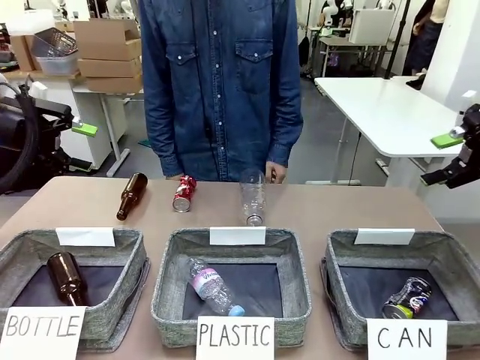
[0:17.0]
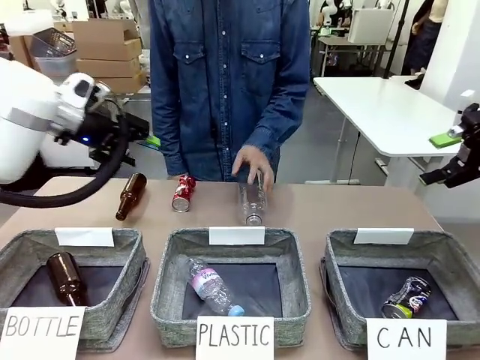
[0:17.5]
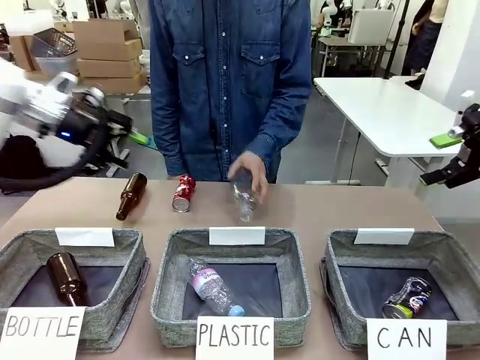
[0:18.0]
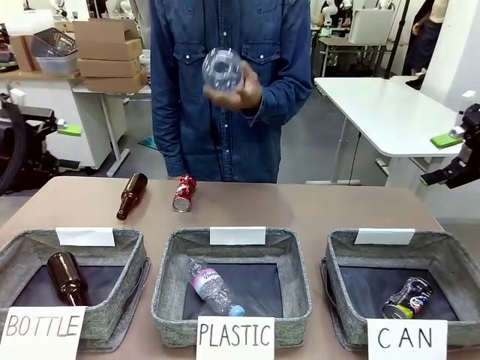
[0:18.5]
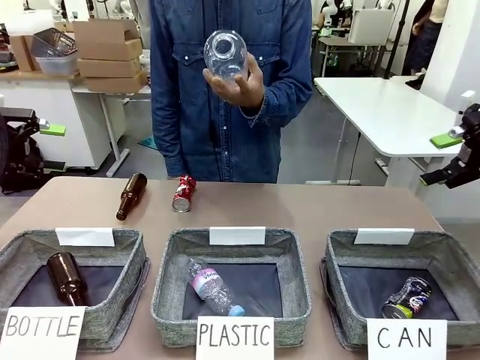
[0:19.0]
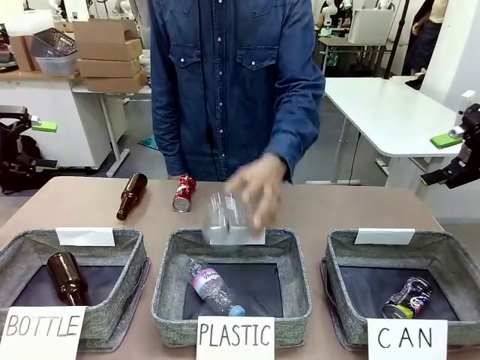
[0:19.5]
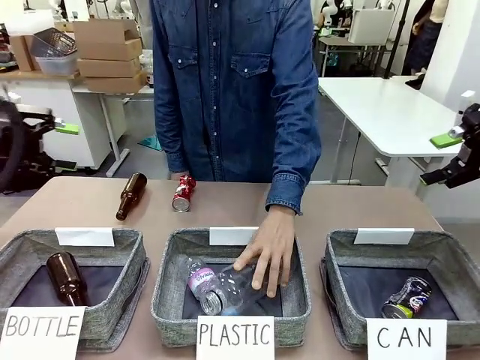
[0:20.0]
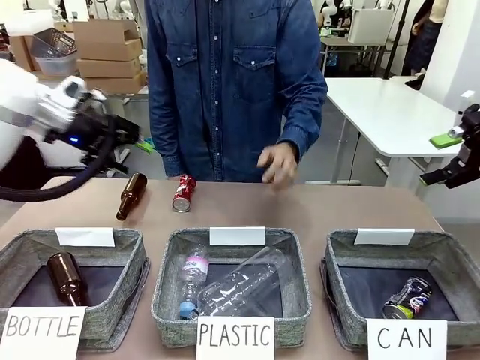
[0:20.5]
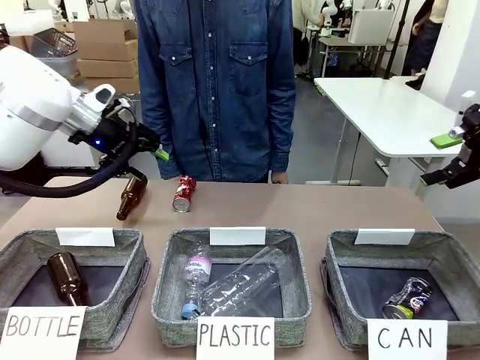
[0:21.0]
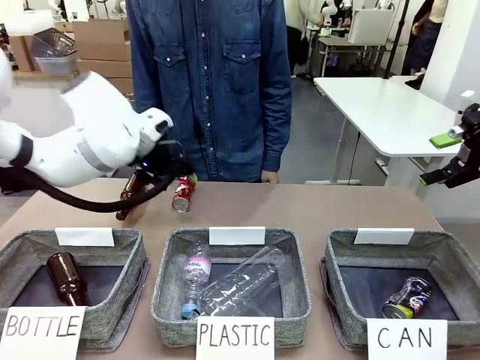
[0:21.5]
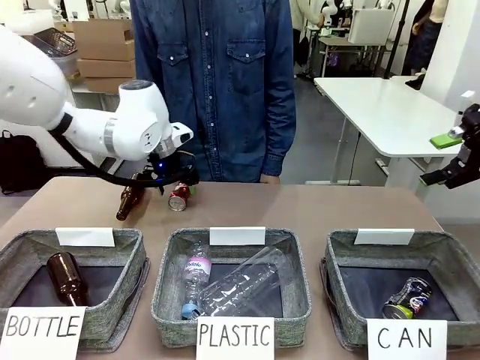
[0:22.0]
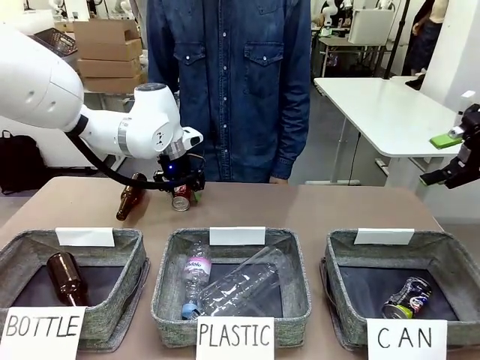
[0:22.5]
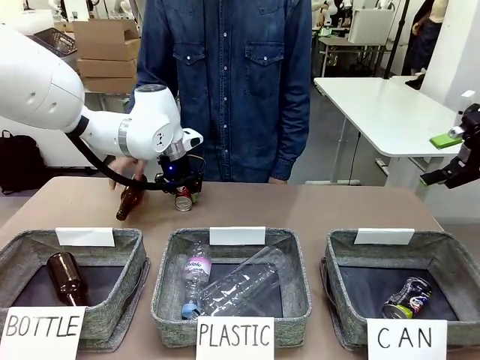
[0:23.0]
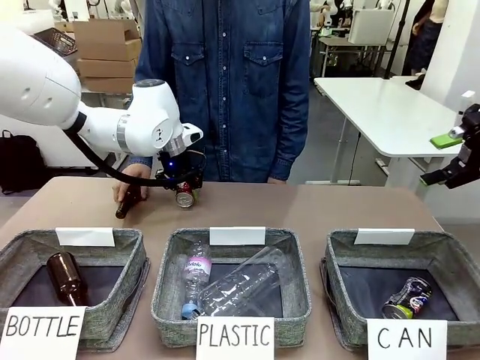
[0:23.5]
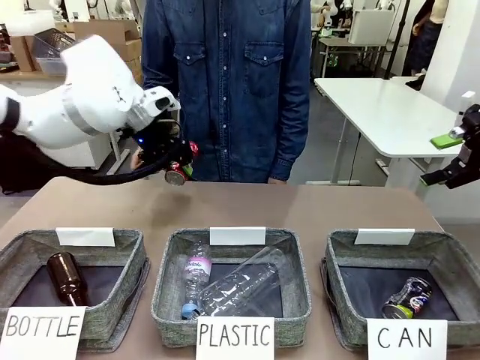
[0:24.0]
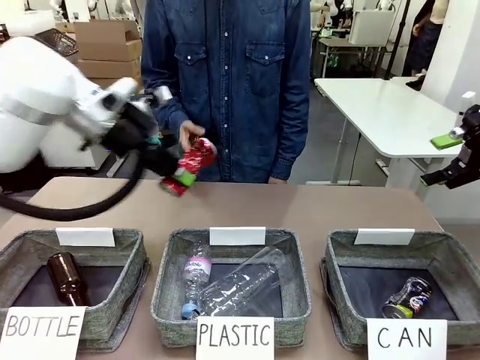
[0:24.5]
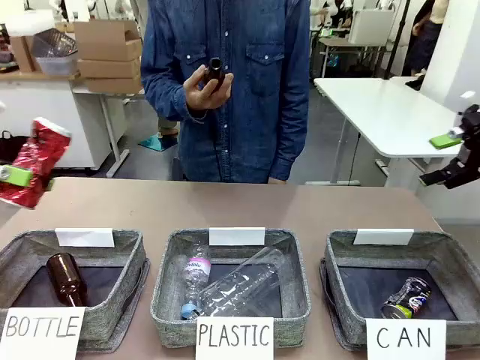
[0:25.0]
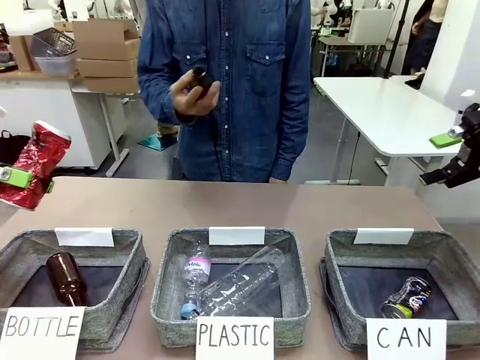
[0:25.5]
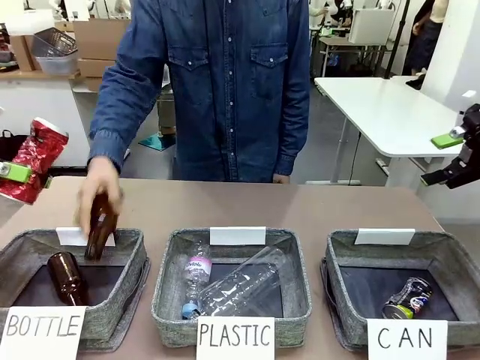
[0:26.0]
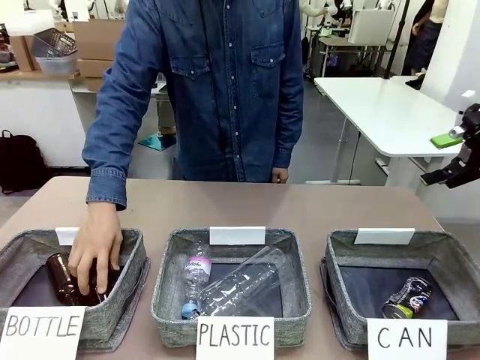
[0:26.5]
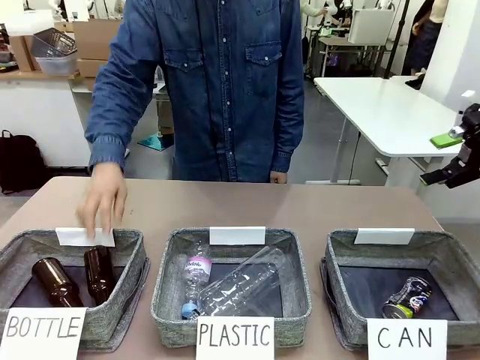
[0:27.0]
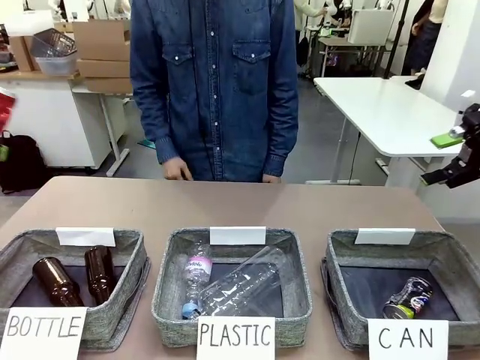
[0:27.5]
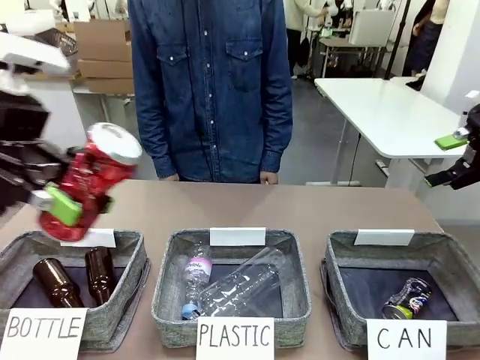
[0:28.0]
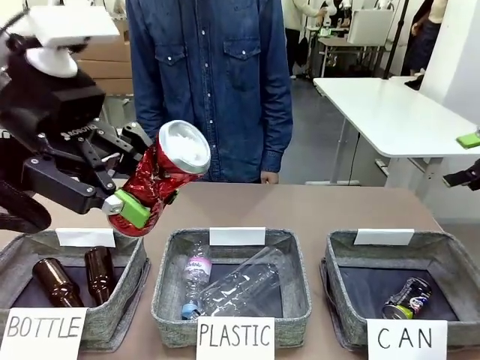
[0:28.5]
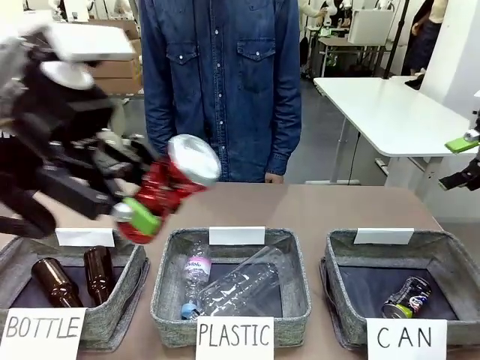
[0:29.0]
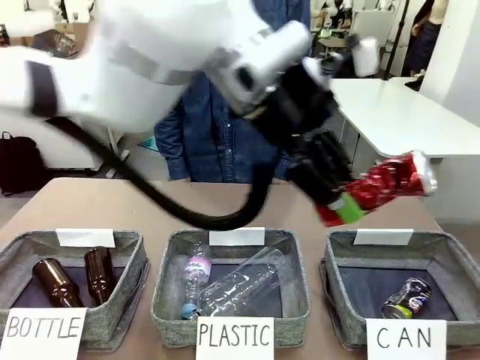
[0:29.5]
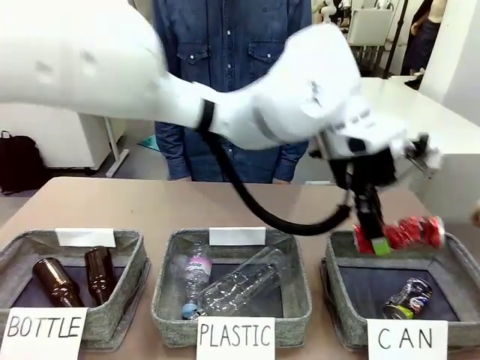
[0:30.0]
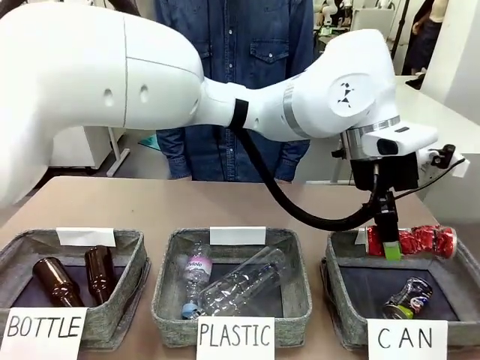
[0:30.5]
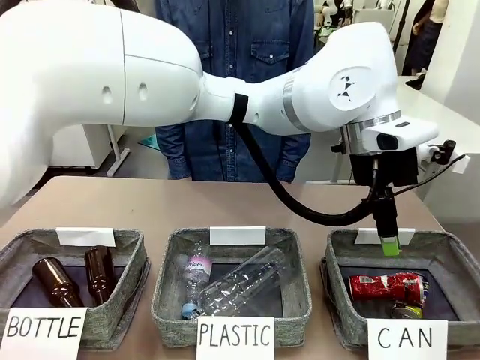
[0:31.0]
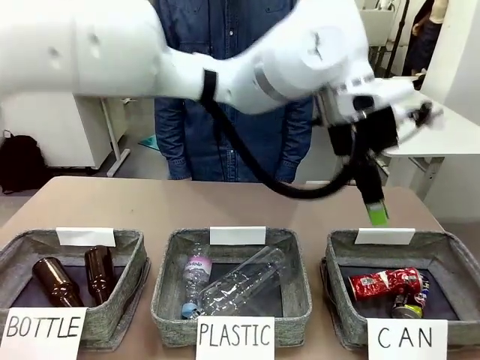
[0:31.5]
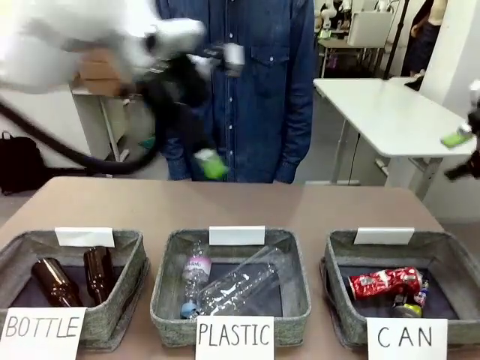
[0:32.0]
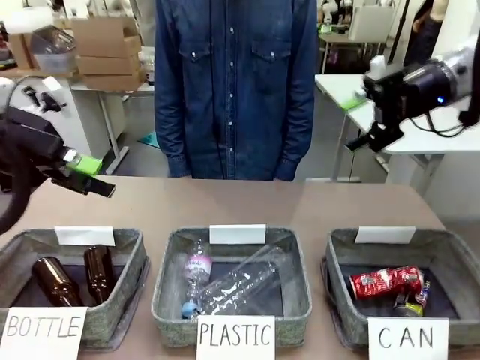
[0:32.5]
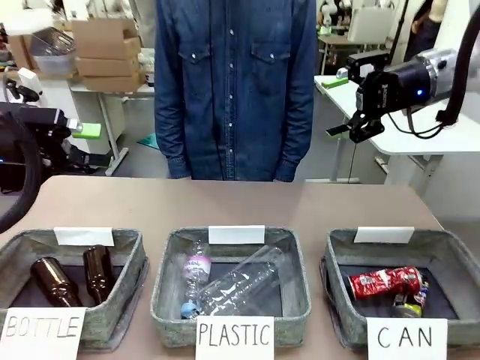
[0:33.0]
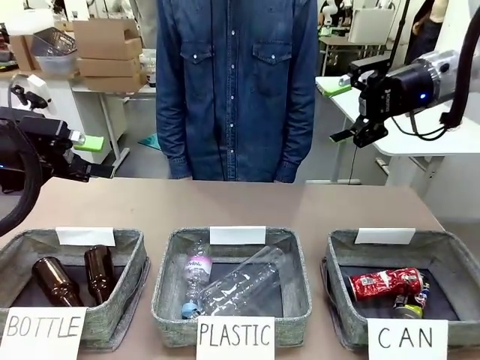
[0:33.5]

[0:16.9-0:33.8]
Task: Sort the can waste into the basket.
Robot: Pick up the can waste from the table and place it in the right Fabric basket.
